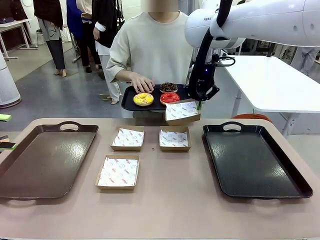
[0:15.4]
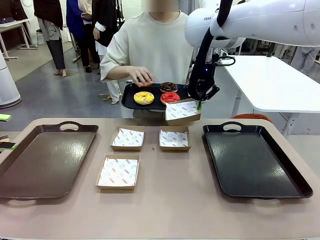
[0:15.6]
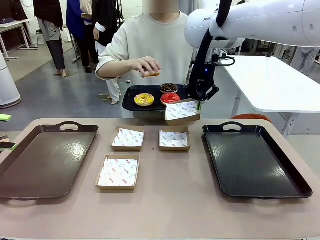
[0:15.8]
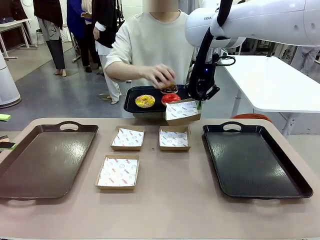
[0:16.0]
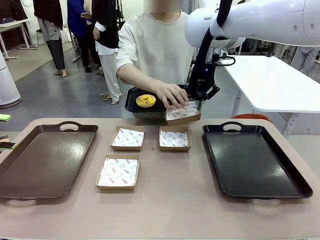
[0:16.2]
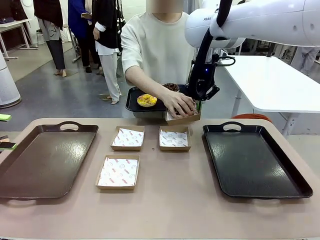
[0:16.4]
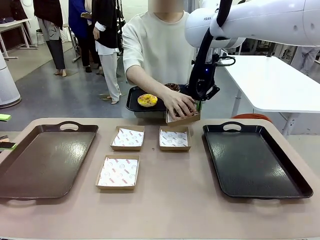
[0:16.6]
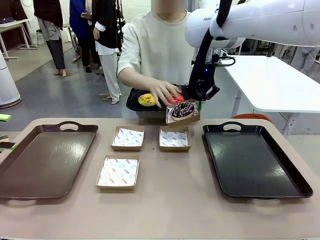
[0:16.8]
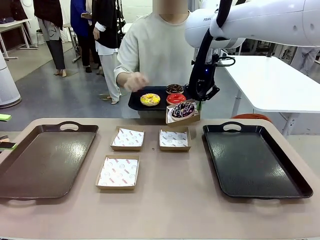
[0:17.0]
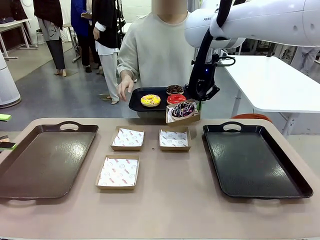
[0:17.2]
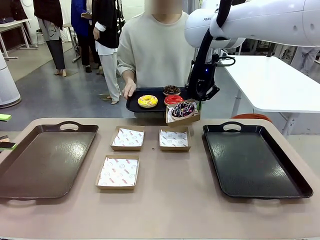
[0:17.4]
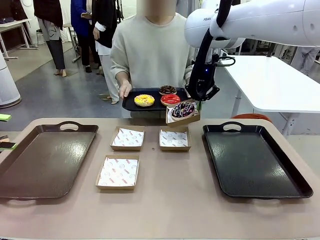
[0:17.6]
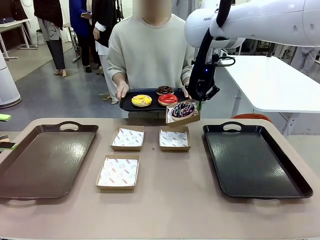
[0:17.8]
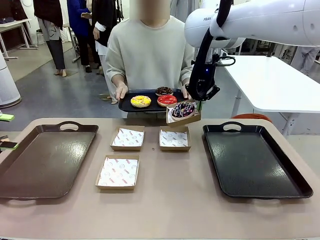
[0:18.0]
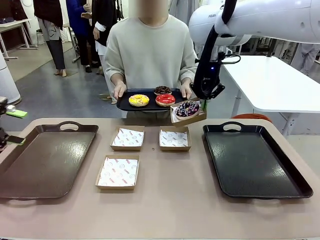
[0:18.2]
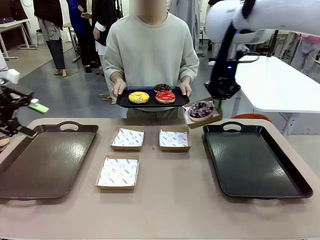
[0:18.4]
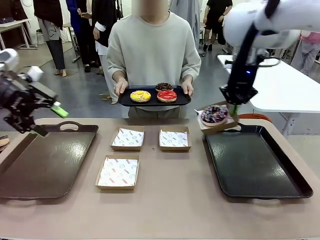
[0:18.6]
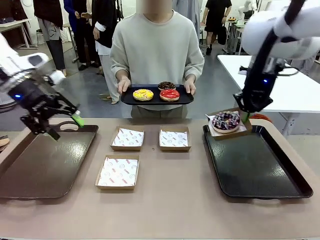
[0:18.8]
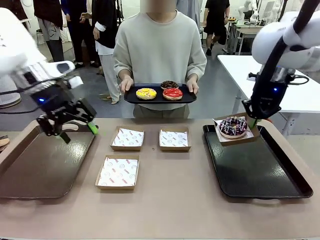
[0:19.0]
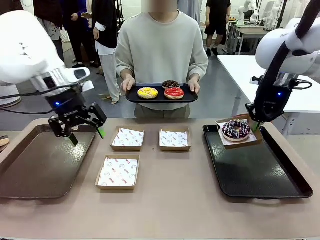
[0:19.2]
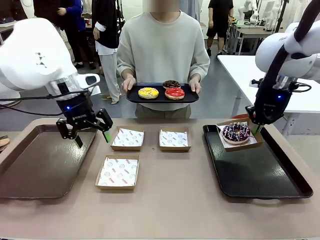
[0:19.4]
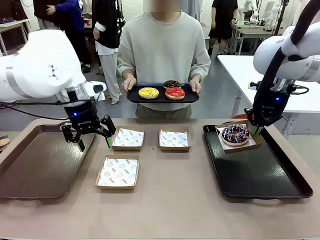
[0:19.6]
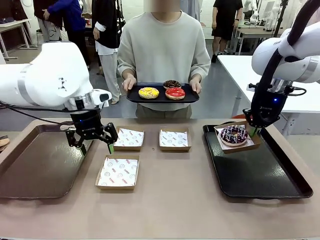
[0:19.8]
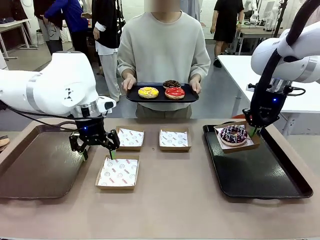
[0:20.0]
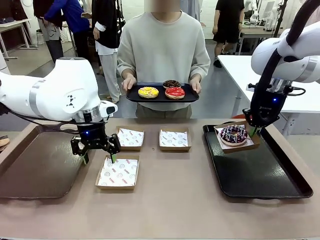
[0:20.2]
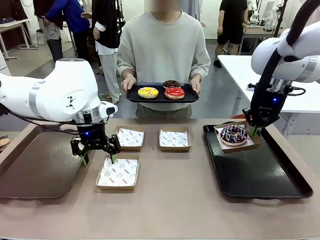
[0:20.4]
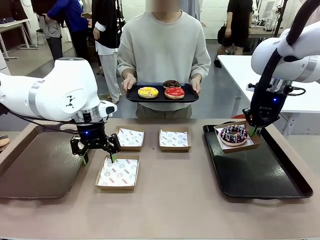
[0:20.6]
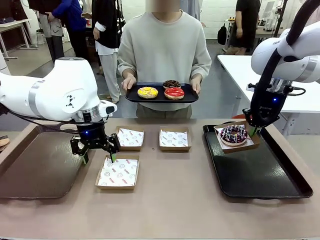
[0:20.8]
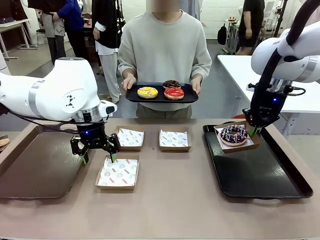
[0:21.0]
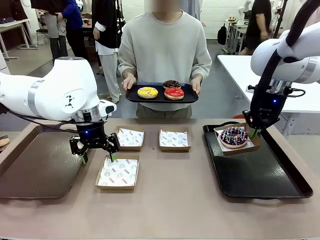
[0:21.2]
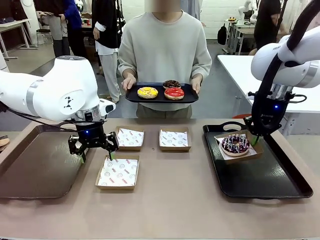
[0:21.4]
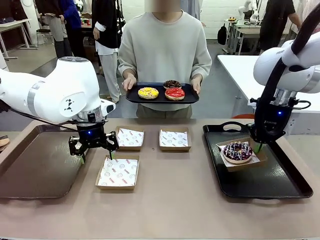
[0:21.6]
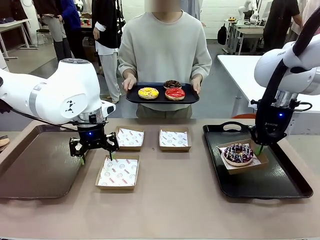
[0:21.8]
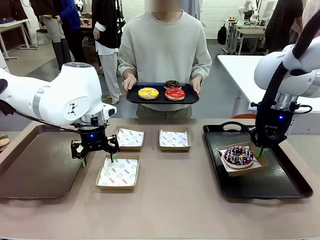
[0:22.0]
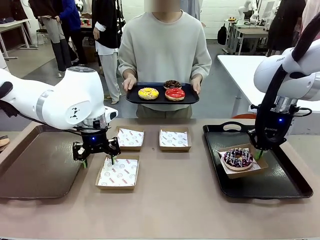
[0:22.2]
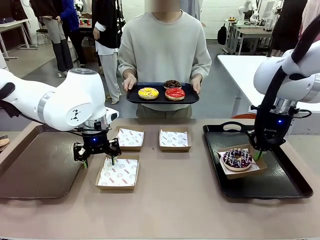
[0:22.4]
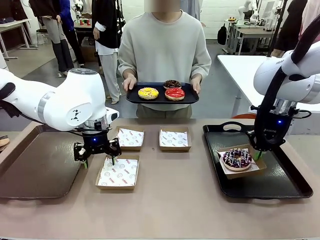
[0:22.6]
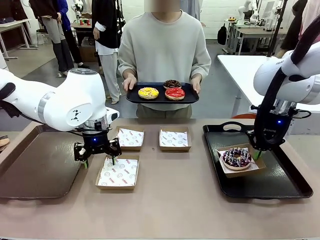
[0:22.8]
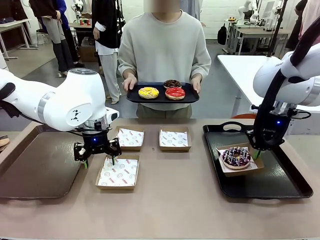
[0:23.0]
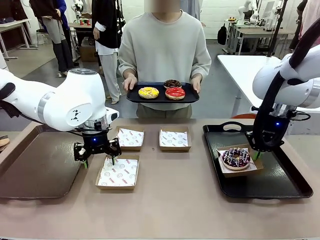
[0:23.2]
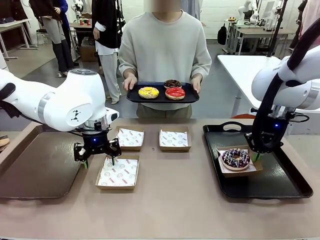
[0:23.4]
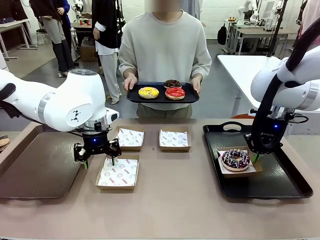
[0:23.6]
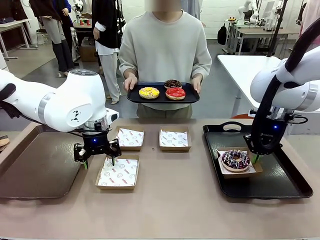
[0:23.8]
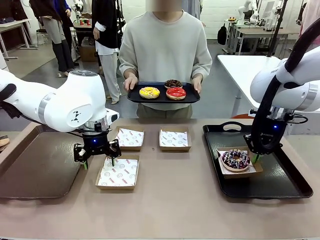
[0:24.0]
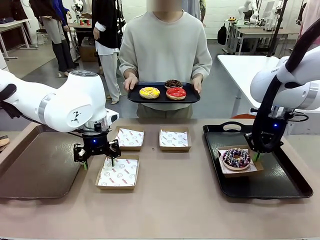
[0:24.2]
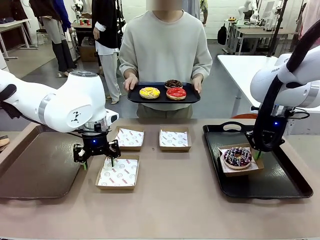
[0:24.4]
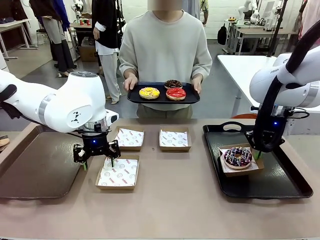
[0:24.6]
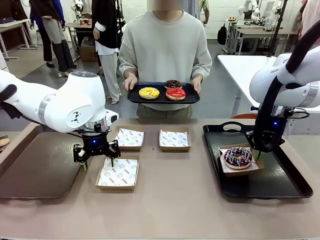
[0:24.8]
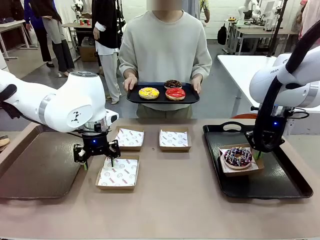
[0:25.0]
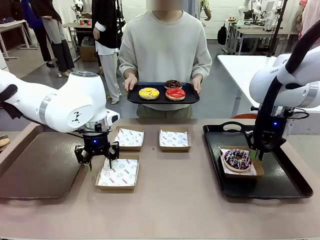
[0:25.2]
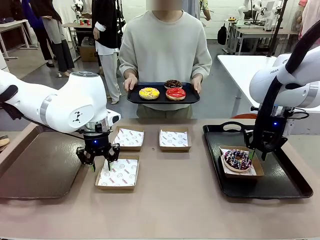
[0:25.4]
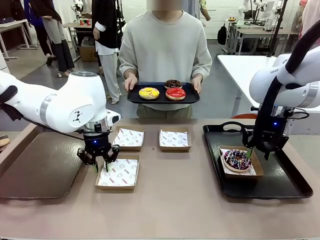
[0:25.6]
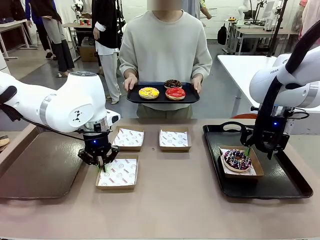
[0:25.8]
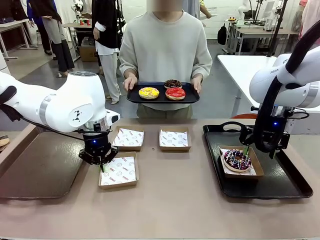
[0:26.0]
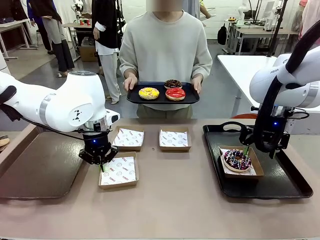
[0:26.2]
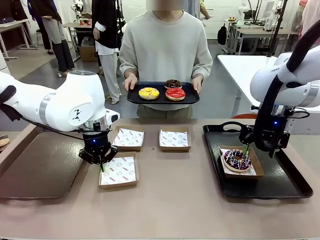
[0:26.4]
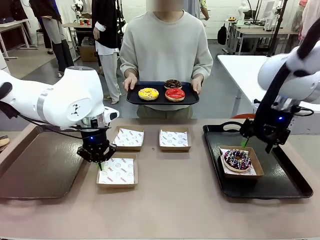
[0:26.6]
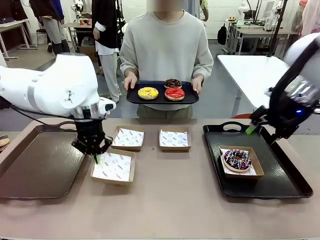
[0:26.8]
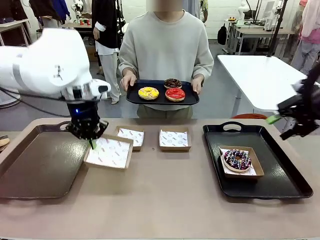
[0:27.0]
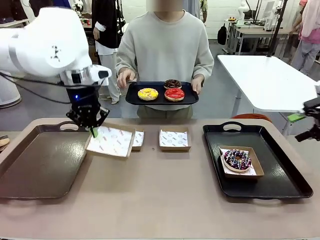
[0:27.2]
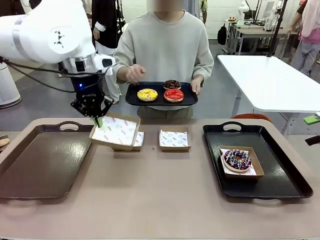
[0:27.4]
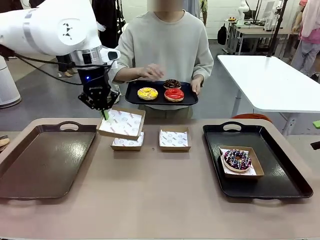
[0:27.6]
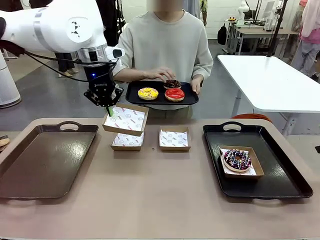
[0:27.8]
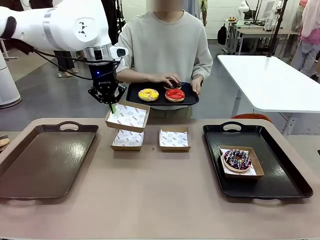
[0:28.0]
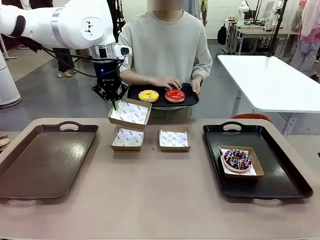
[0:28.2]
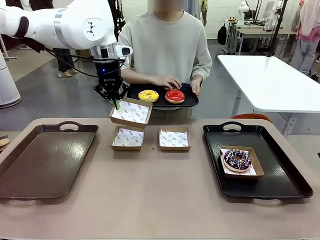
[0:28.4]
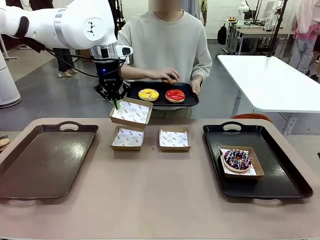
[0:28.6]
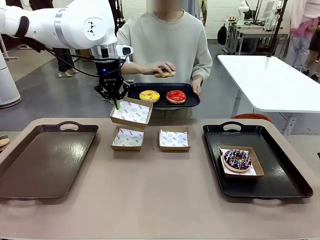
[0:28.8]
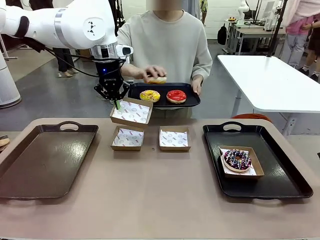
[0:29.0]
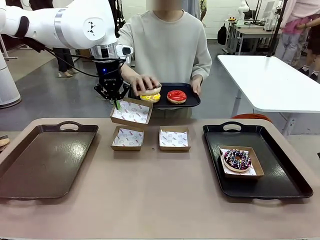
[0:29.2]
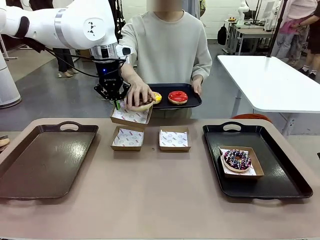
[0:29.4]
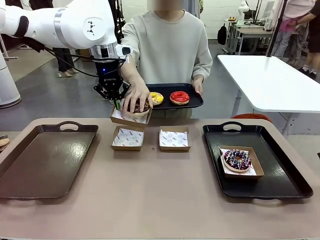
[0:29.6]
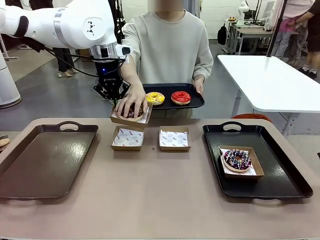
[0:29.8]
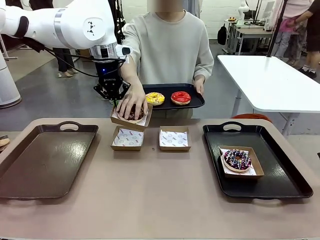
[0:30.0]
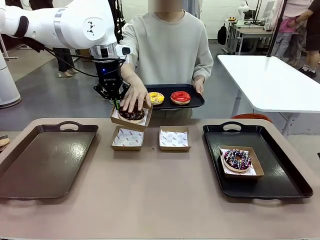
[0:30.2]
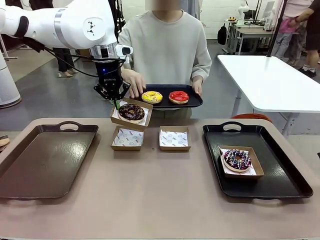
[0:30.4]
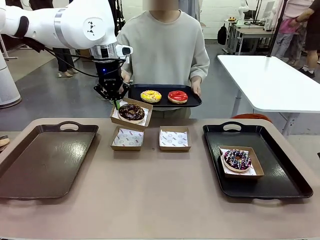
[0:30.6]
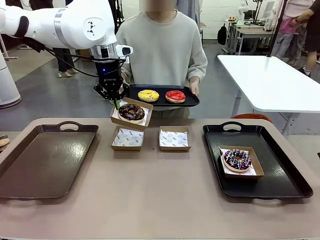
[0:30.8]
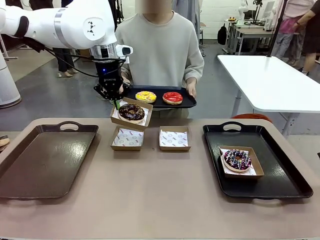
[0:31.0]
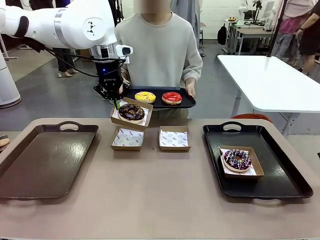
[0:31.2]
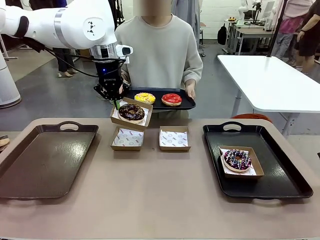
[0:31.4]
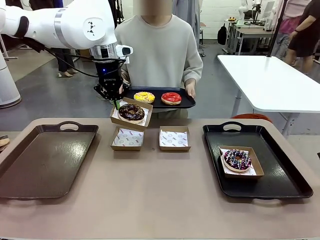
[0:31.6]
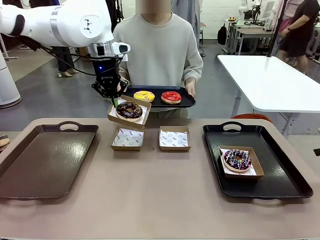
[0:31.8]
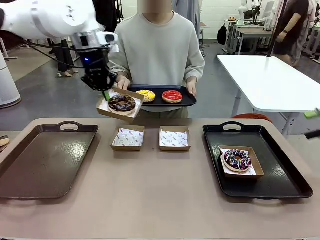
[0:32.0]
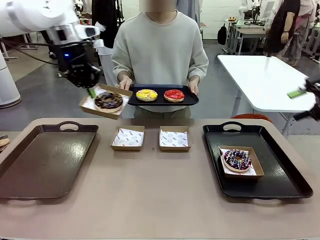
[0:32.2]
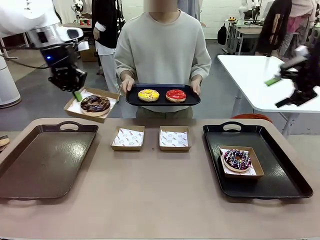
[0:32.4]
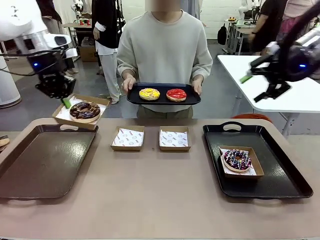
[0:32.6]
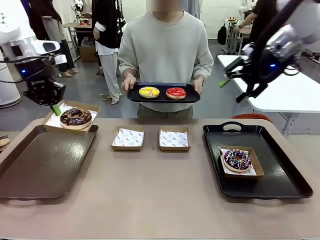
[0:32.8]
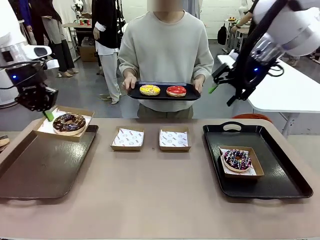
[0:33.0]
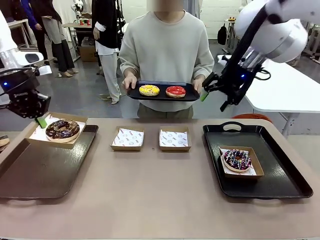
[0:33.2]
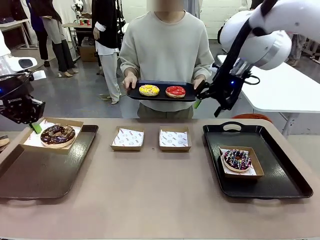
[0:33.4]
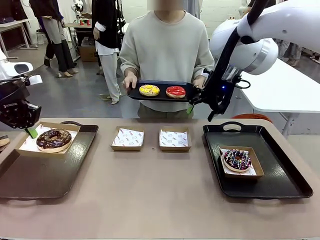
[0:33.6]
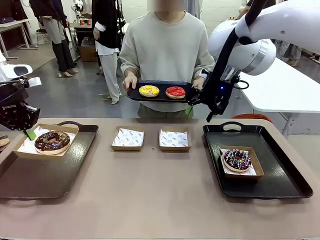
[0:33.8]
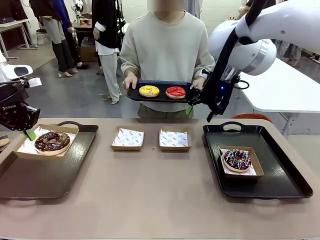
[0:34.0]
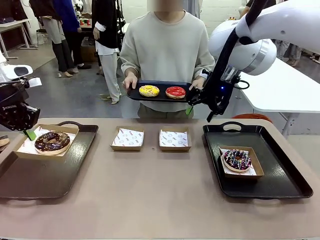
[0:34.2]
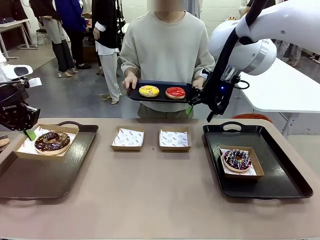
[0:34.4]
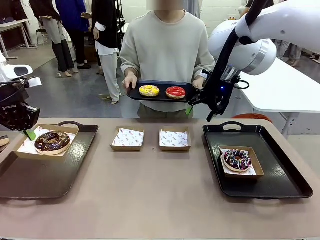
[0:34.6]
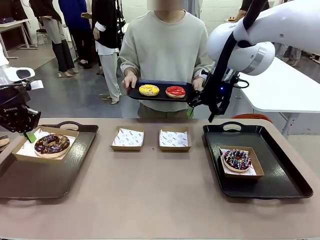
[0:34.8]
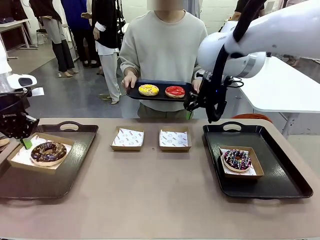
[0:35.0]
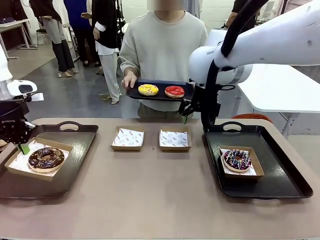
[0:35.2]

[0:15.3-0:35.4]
Task: Individually package the donuts and arrange them on the tray.
Robot: Place the picked Paper togo box on the Handle tray while simultaneously picking up another Paper togo box from the table with the other hand.
